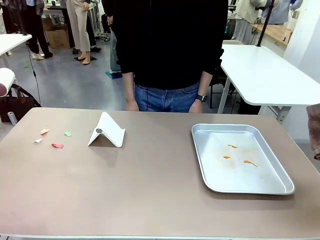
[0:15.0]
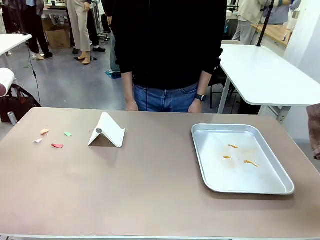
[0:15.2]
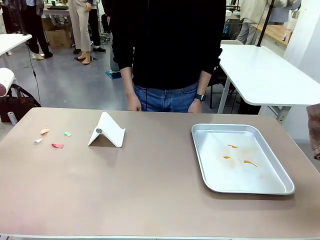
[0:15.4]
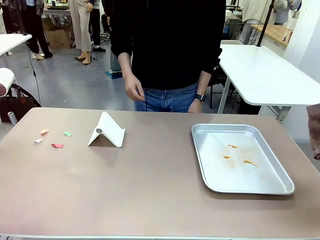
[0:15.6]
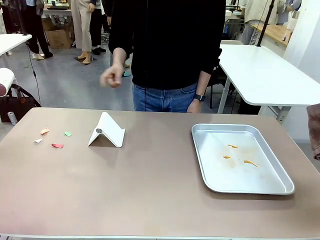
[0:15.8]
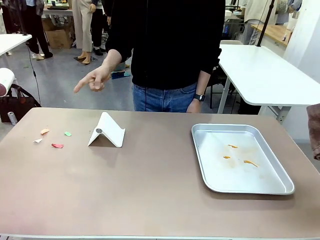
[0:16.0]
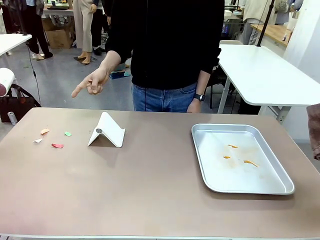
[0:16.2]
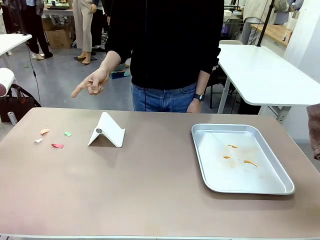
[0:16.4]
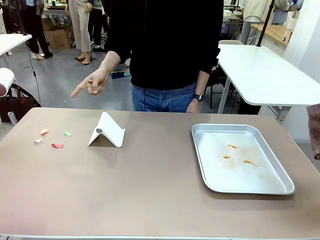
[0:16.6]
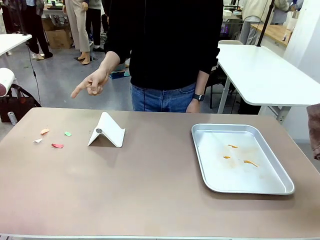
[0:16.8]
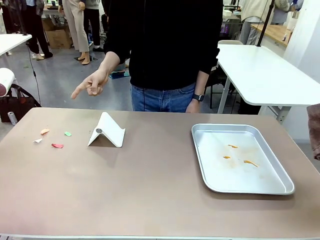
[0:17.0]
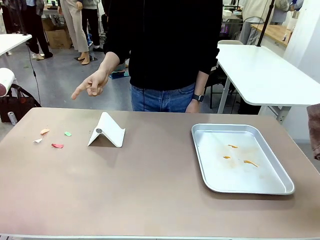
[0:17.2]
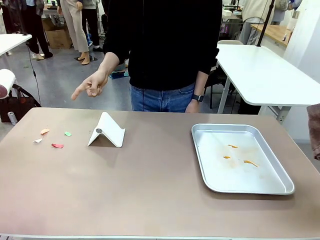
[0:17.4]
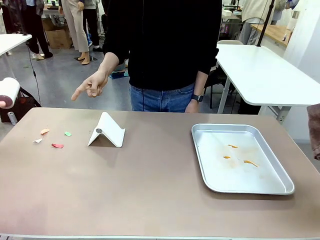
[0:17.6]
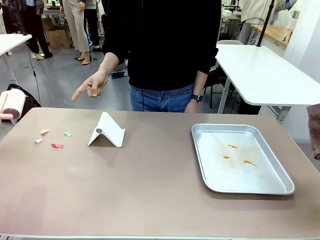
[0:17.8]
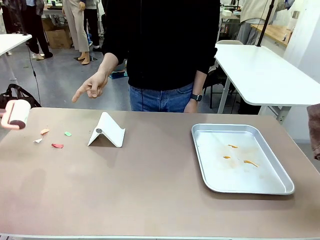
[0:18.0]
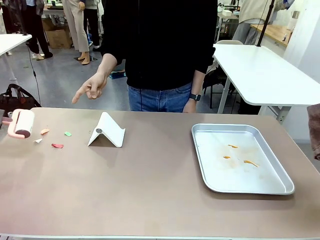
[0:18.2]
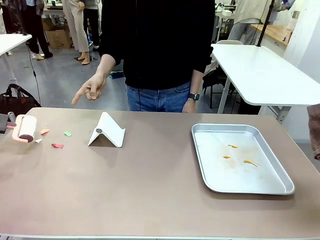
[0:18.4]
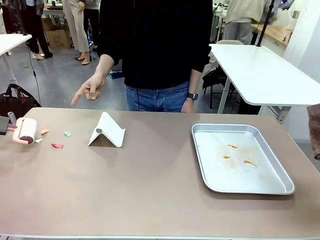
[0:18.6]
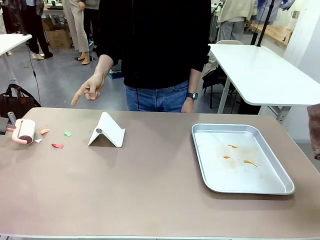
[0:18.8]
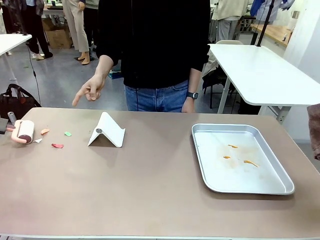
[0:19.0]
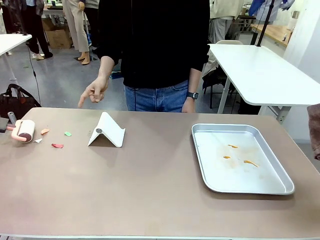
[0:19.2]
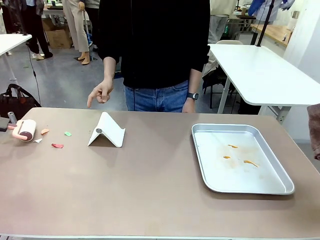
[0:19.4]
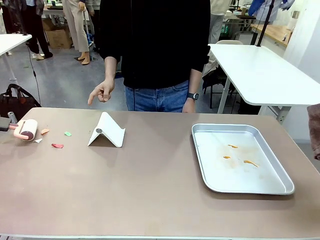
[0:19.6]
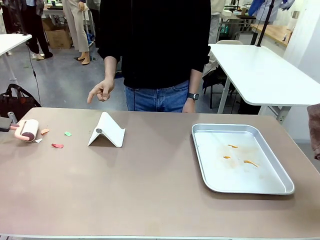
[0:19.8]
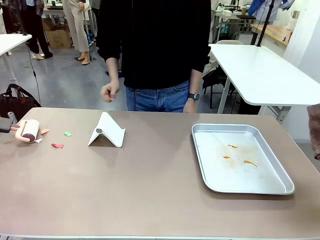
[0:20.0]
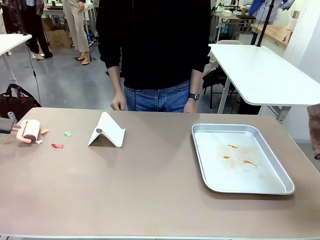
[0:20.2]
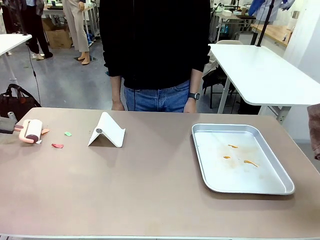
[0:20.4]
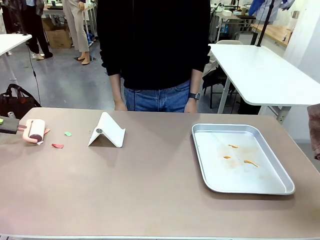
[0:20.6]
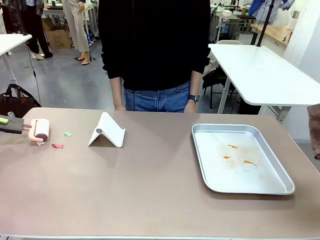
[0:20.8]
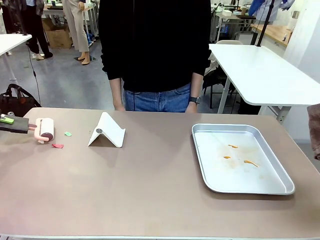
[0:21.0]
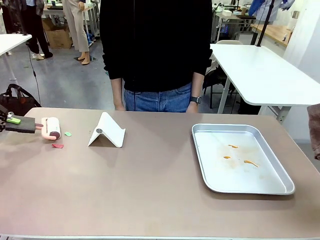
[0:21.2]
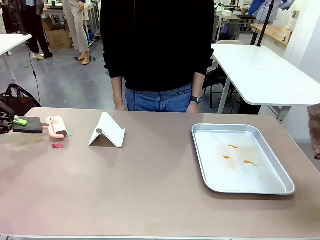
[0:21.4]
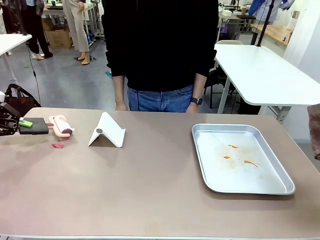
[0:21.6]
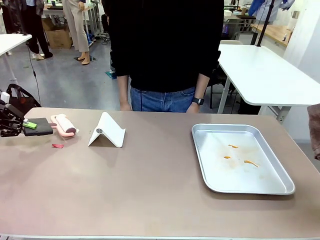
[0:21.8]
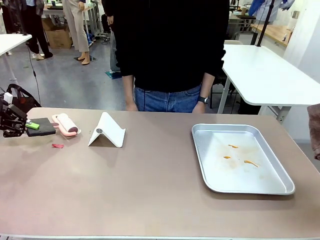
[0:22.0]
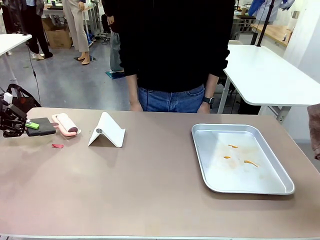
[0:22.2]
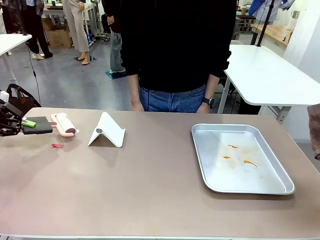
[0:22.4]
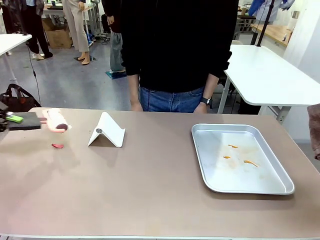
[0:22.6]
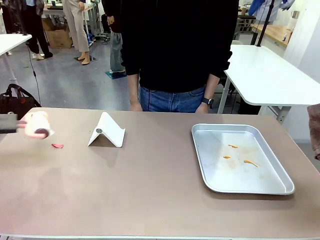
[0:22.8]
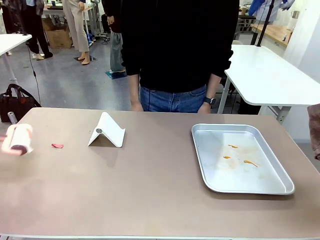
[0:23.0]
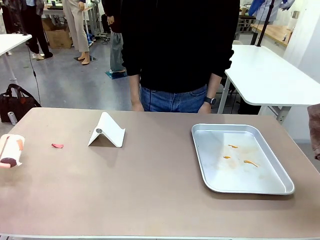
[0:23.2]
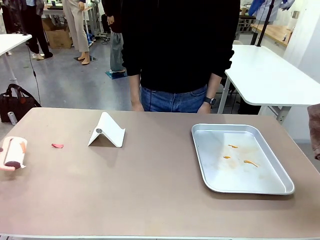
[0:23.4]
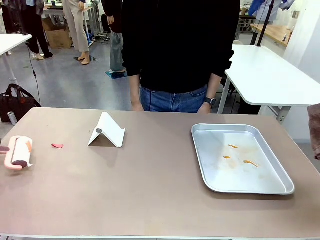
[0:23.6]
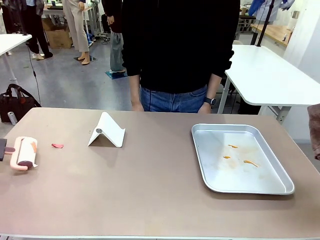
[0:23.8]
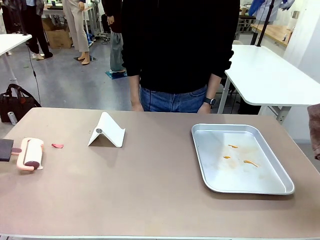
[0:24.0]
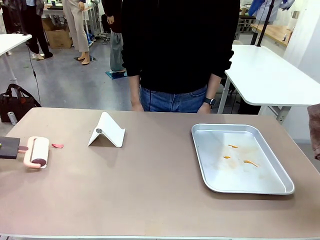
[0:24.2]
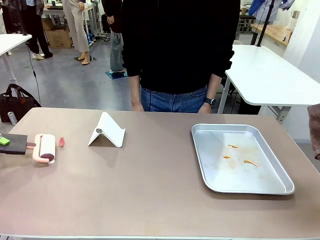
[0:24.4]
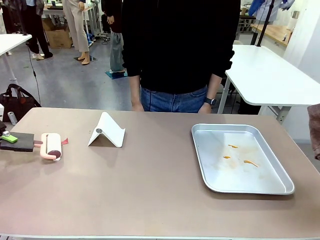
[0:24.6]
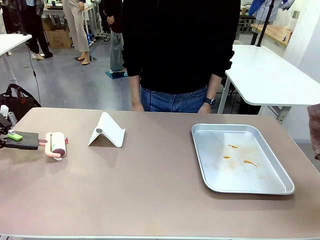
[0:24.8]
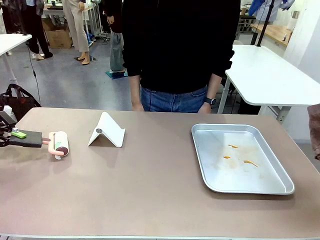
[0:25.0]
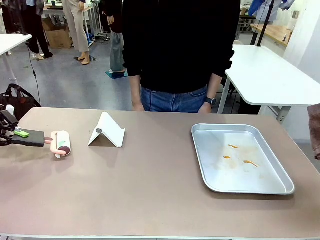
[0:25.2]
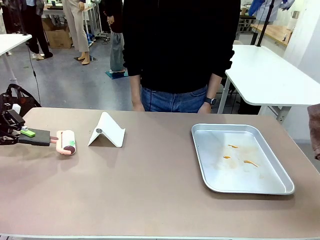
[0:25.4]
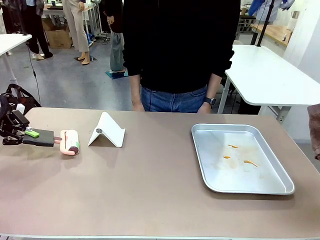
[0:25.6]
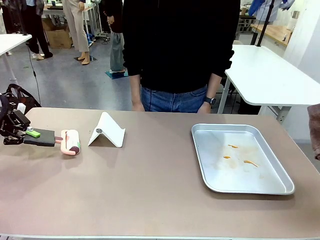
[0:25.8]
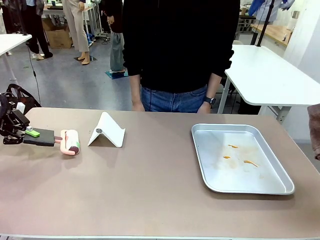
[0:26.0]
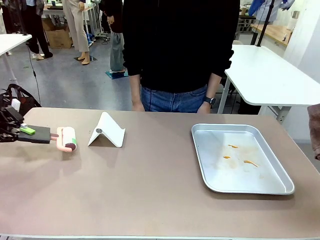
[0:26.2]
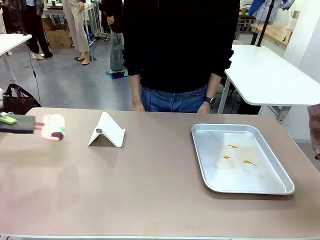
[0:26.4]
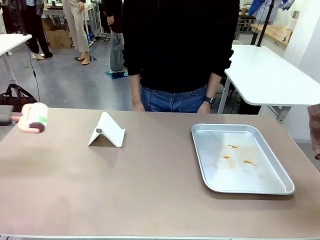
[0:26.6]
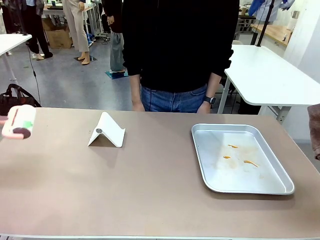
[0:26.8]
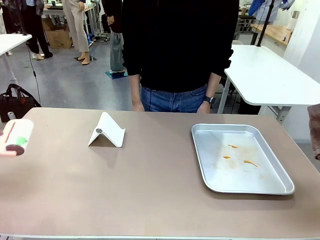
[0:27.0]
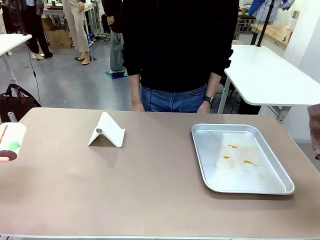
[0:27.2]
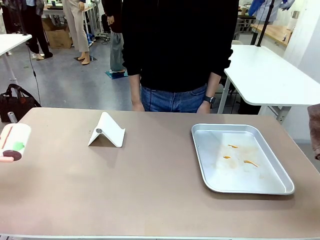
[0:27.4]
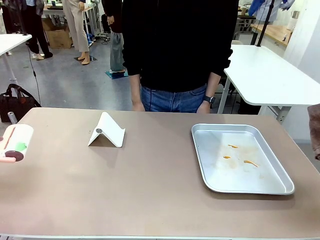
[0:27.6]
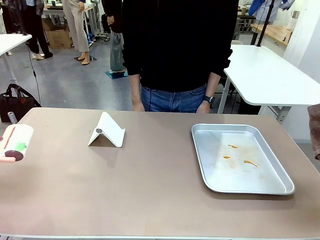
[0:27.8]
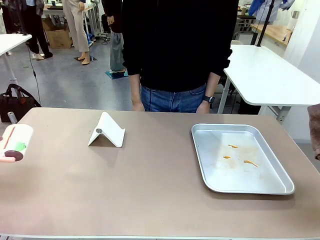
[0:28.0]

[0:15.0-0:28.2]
Task: Clean the surface of the table.
Robot: If a person points to the right, clean the right side of the table with your right hand, and if they point to the left, clean the left side with your left hand.
